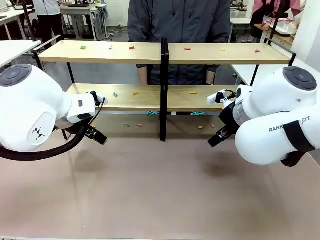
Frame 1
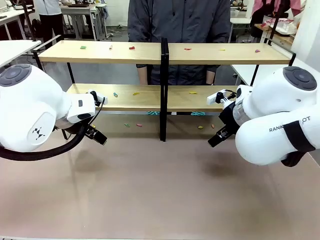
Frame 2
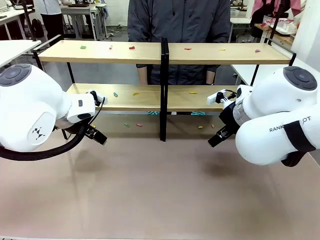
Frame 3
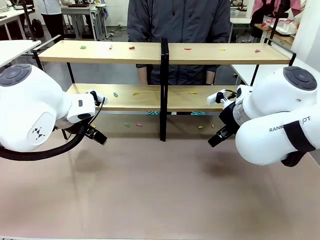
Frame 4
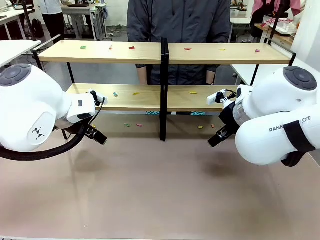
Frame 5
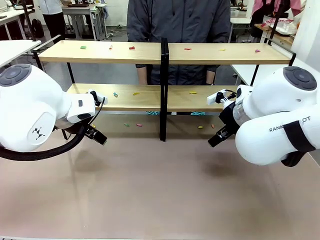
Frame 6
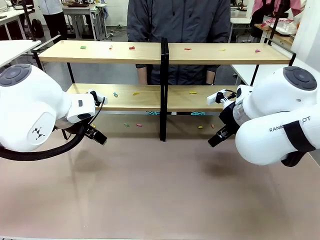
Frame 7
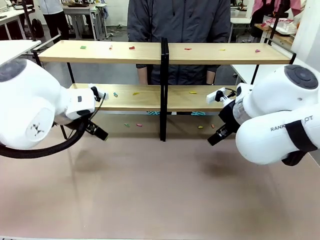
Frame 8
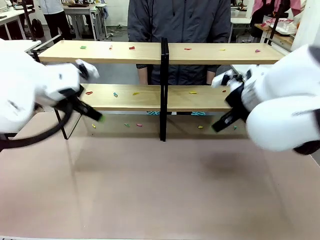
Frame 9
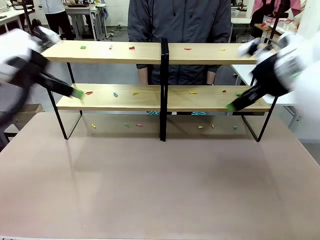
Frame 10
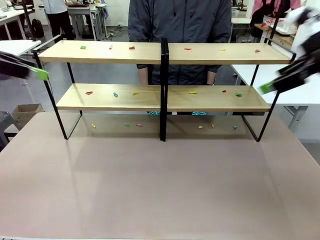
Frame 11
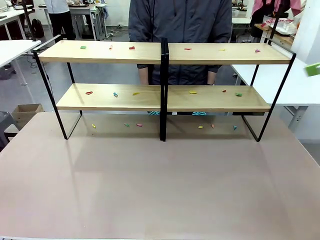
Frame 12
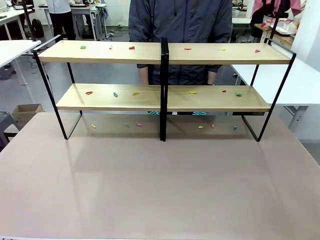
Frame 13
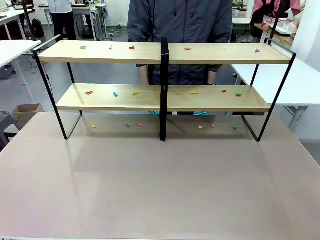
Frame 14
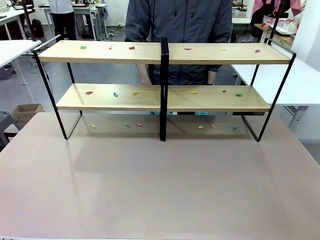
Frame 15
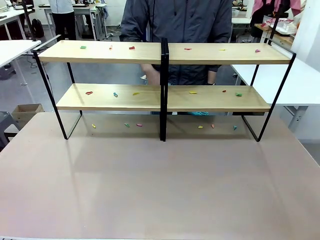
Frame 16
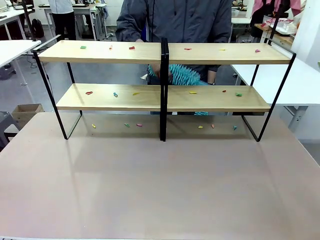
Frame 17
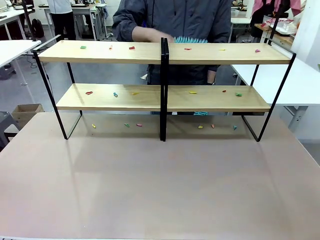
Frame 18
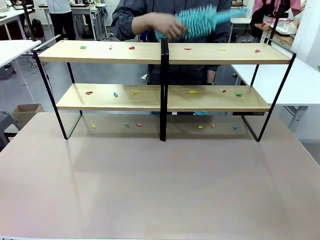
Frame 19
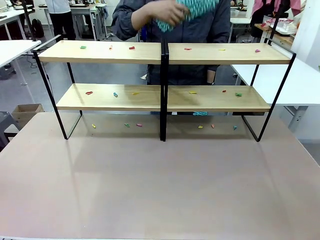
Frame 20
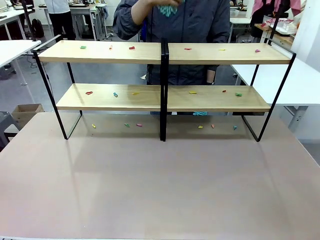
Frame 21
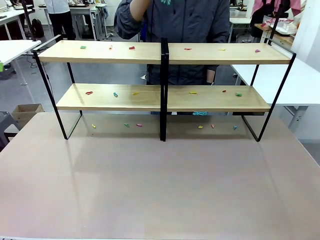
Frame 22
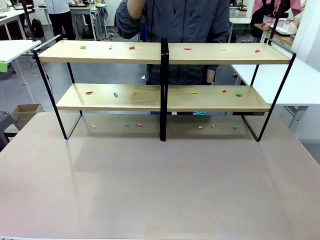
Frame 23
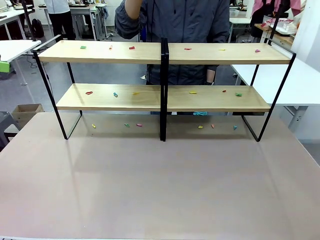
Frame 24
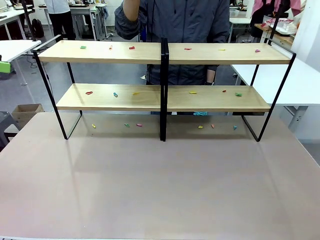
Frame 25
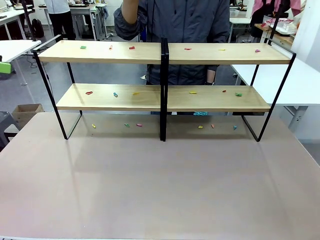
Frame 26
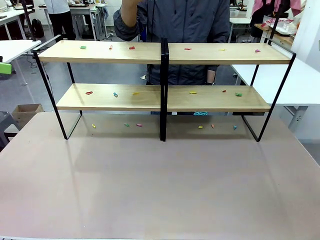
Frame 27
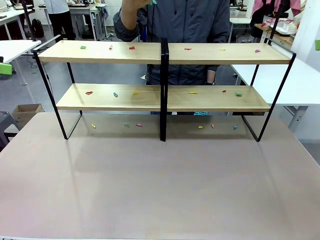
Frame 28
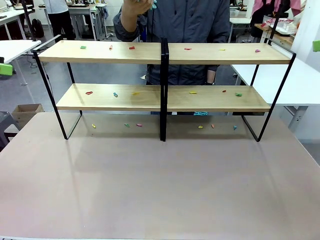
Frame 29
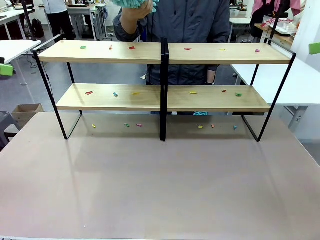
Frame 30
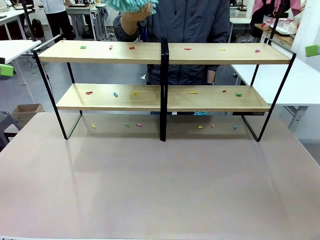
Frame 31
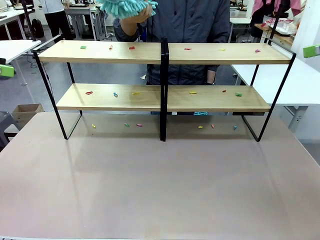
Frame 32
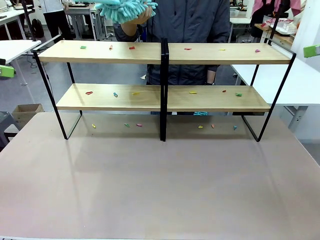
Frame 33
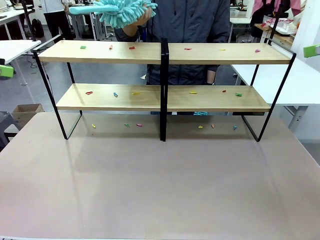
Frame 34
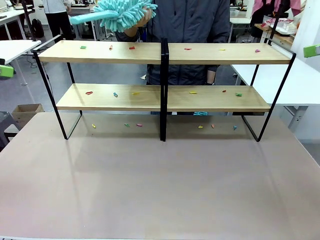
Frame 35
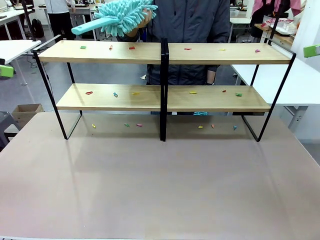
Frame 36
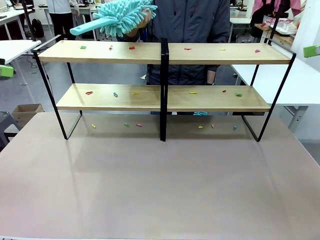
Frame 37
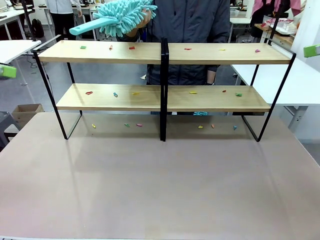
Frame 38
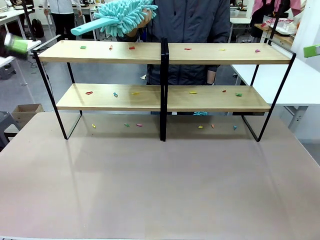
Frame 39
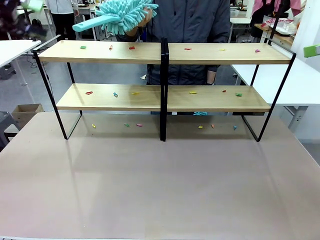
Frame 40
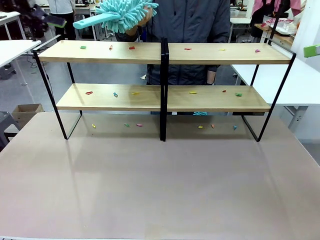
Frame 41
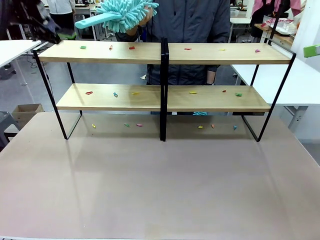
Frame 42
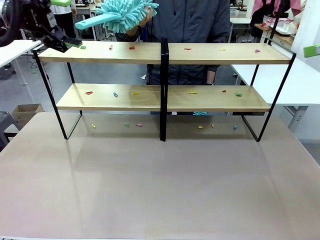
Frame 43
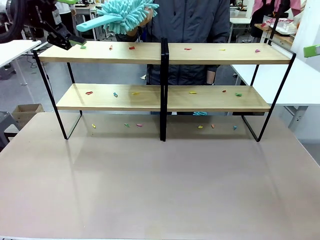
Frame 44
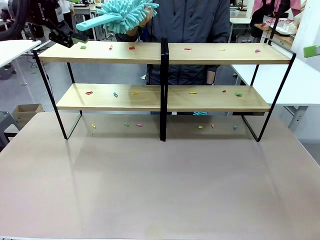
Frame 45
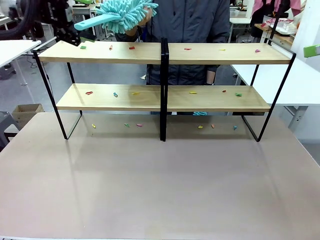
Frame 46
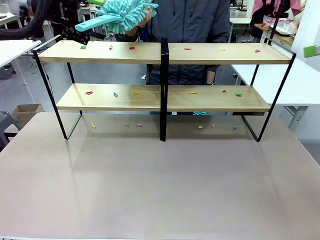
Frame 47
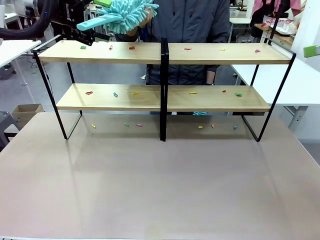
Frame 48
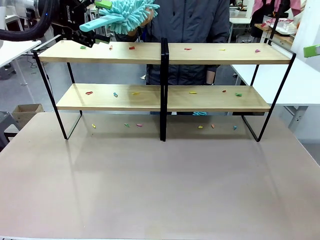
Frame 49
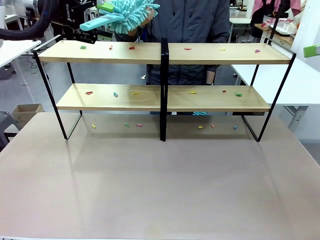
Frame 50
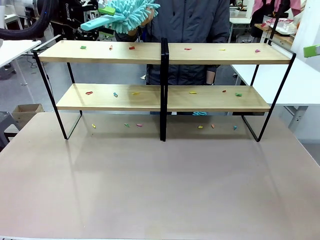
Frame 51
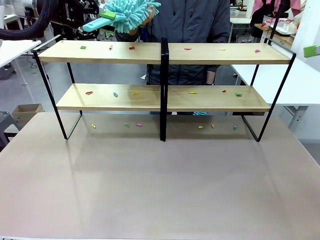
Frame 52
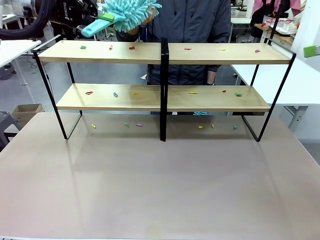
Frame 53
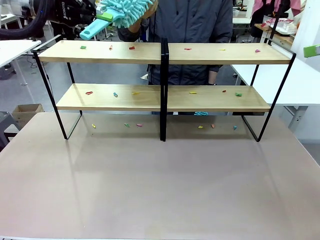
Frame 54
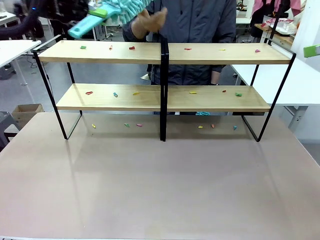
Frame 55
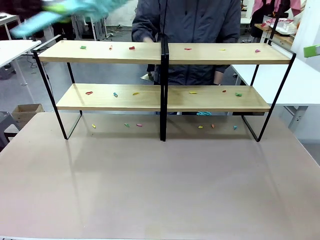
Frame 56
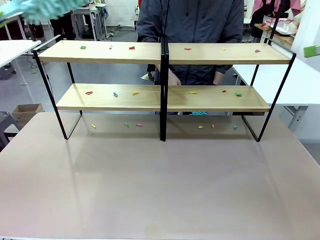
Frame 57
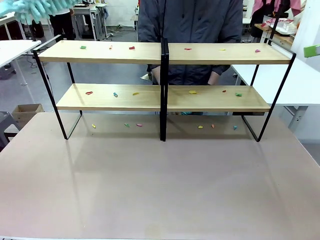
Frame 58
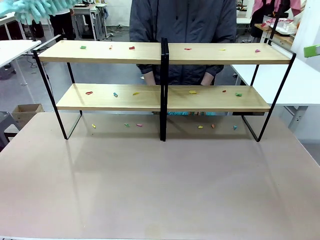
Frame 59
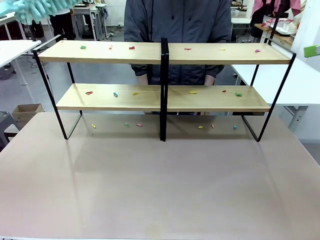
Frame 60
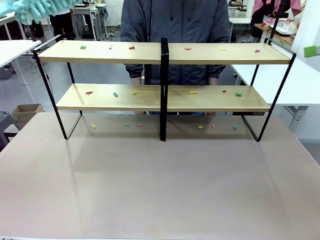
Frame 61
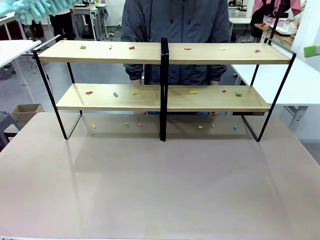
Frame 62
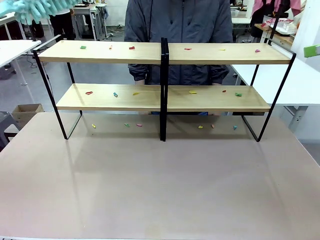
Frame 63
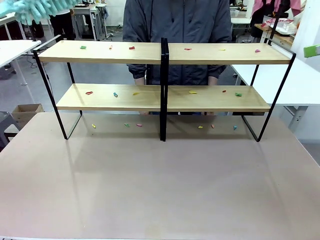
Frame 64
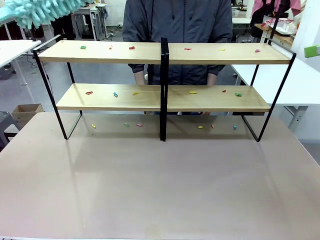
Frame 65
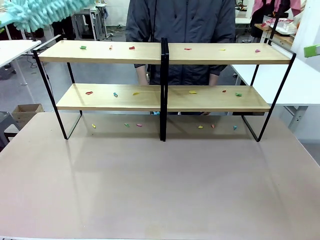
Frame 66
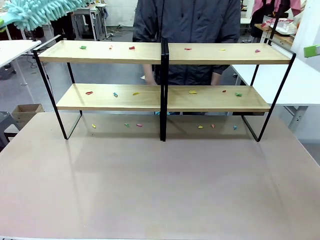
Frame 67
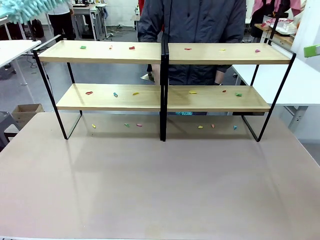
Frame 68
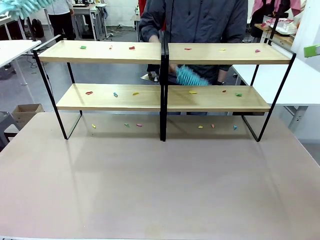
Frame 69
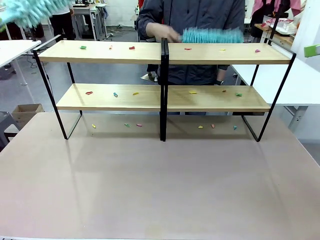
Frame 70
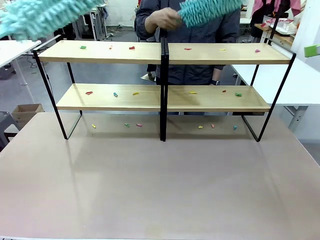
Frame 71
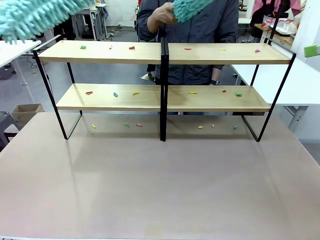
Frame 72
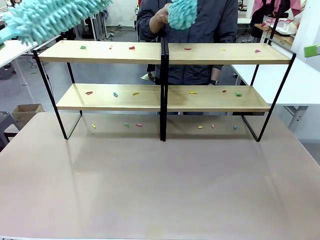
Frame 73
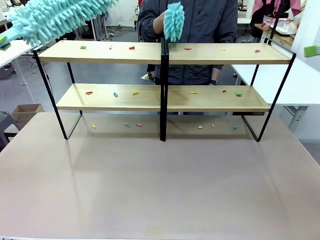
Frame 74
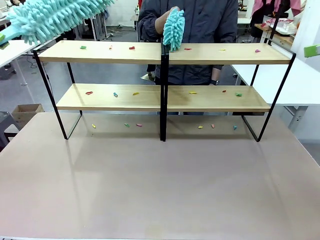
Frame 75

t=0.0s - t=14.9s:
Task: Clean the shelves.
Robot: Pick up the Duster when the human hands it over.
Person: Hand the Duster to the robot with your right (or left) hand.

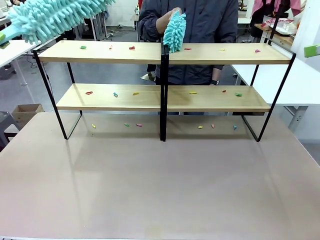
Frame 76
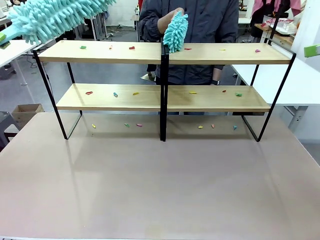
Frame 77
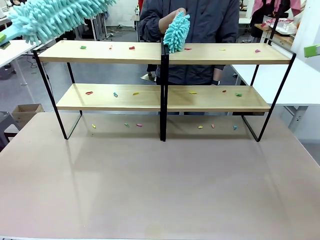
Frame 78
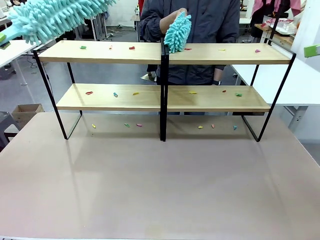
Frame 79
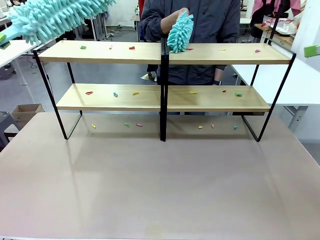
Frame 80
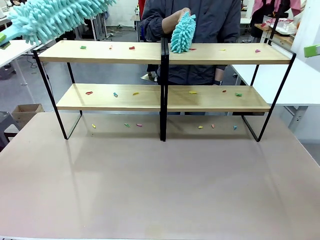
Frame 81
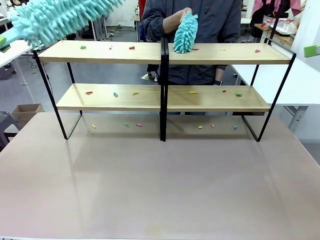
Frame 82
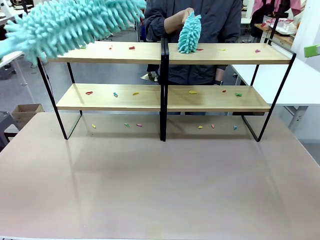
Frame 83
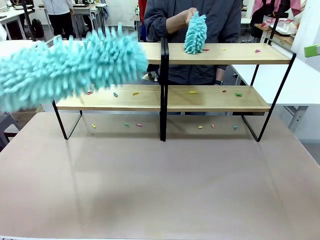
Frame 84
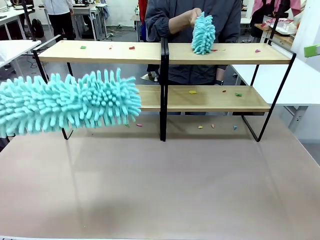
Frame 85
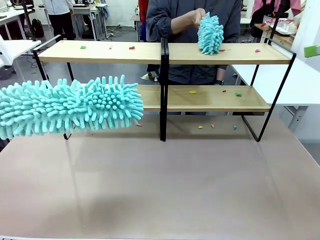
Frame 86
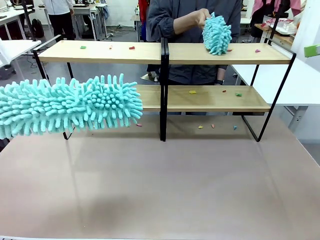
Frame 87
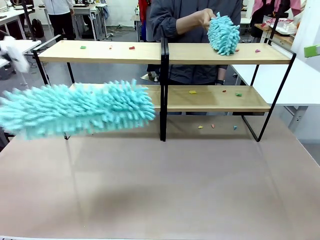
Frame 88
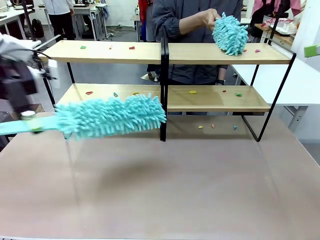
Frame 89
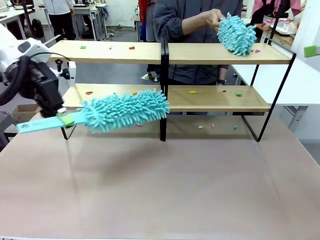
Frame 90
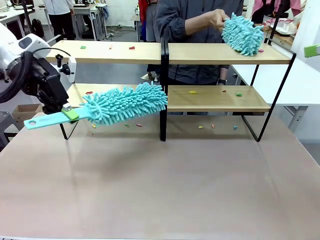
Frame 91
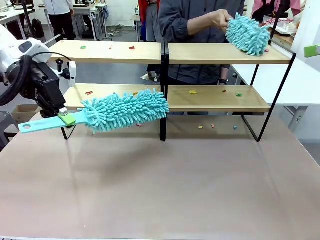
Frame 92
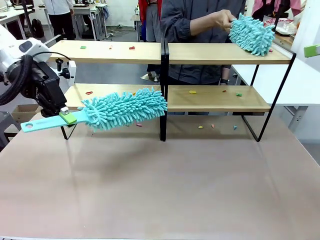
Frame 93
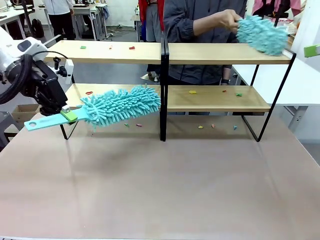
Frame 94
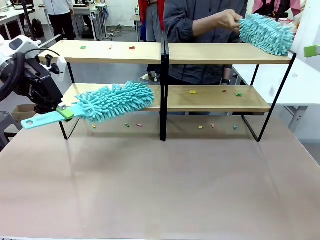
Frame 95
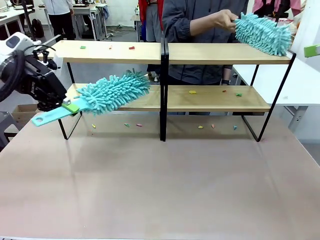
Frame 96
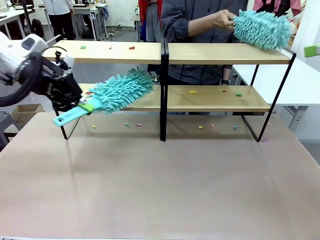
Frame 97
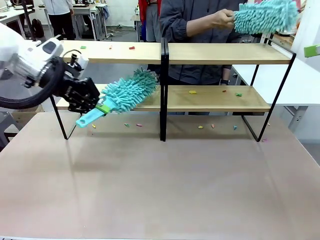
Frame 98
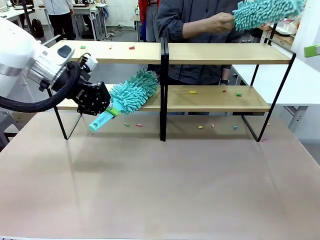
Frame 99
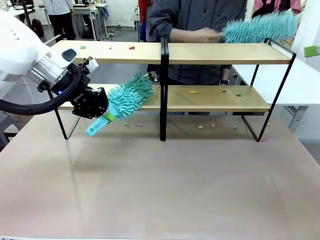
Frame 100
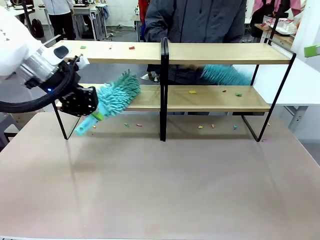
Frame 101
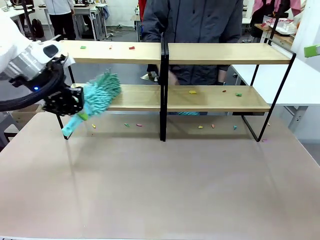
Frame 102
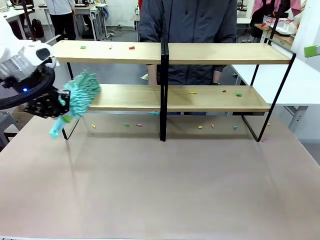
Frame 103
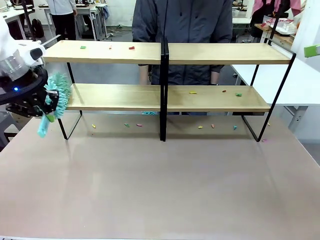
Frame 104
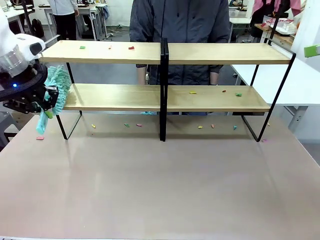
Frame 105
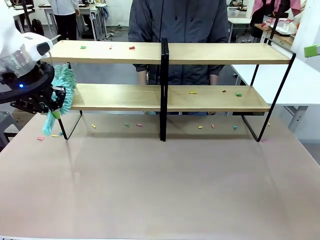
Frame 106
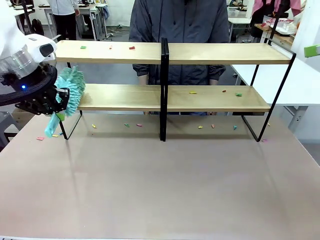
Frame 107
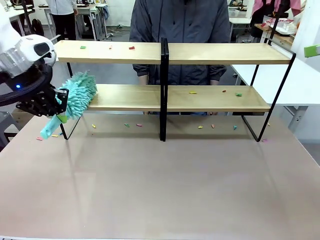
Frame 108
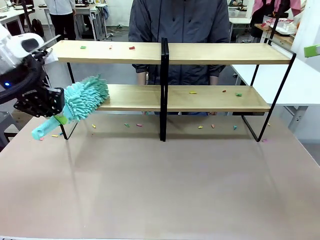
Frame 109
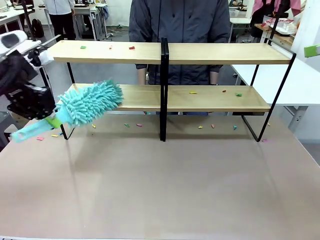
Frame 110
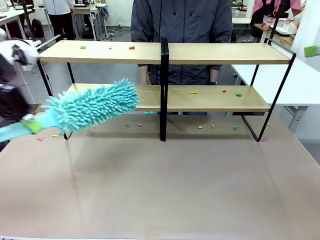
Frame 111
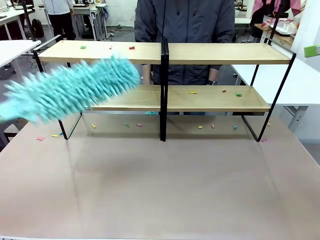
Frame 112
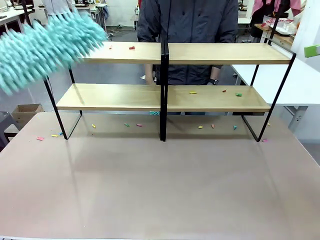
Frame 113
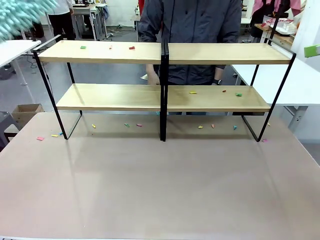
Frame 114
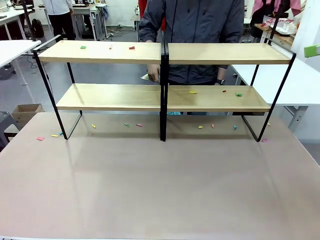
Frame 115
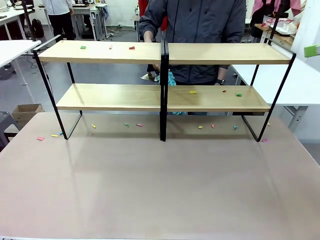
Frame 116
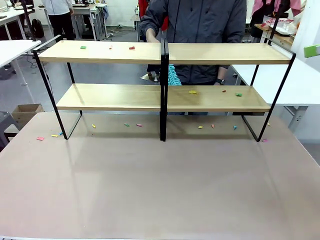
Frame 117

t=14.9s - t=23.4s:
Robot: Clean a randomly selected level of the Shelf with the Duster.
